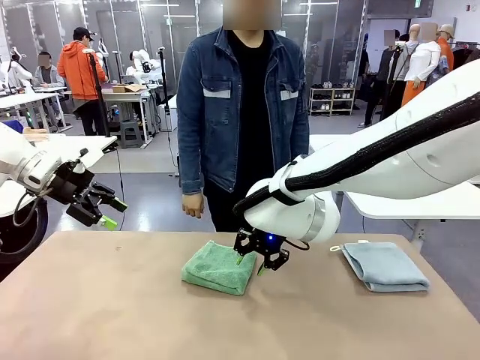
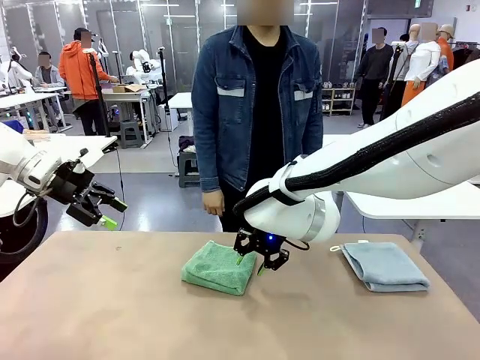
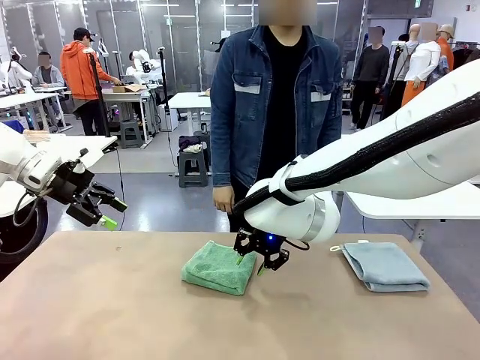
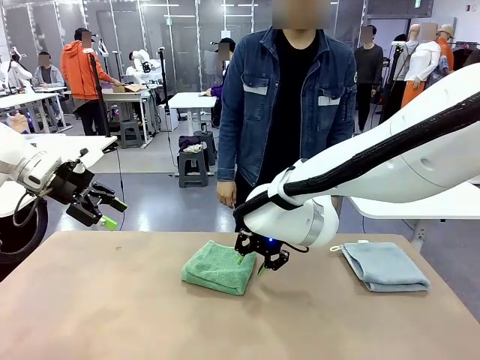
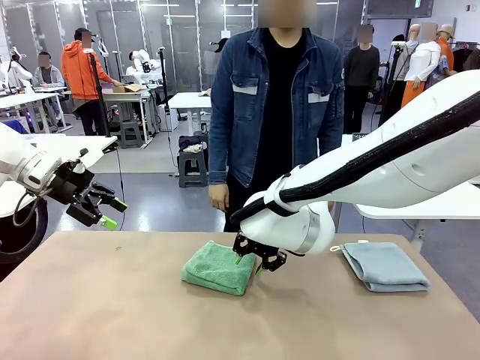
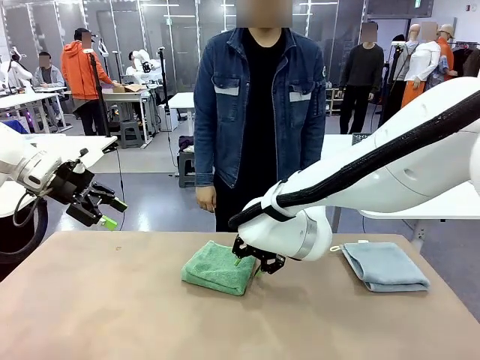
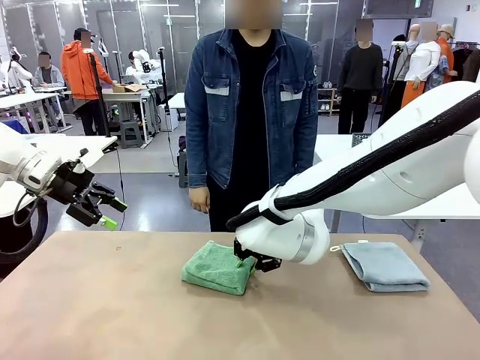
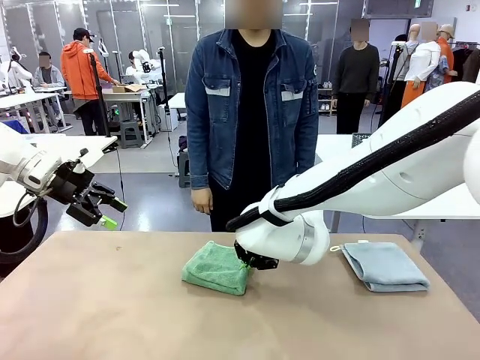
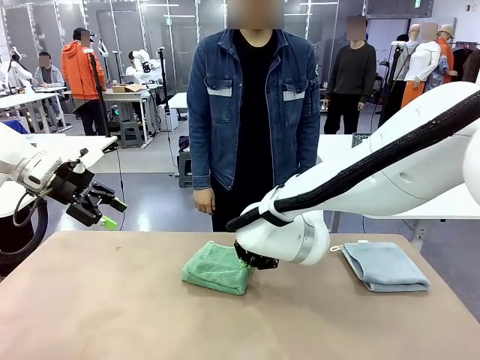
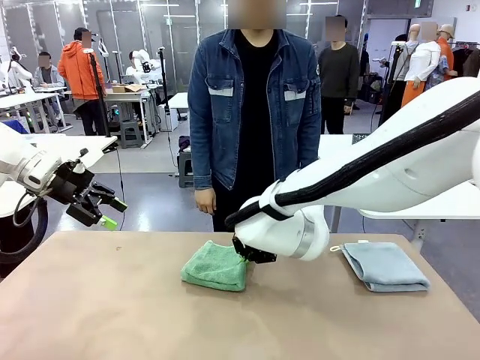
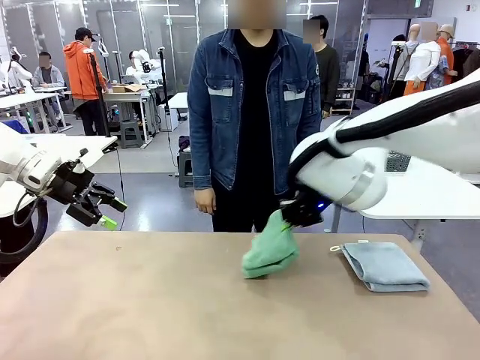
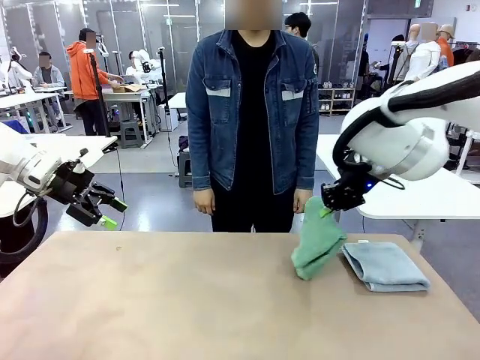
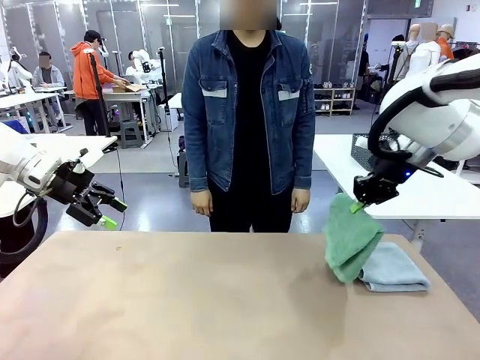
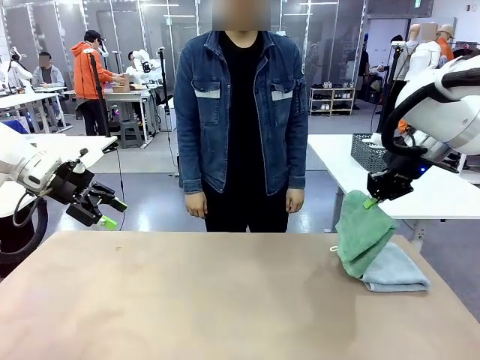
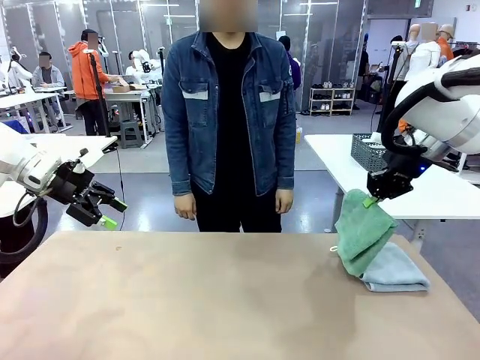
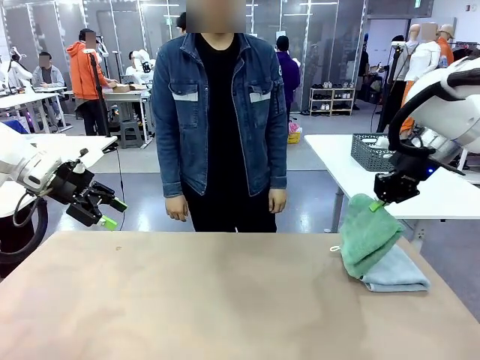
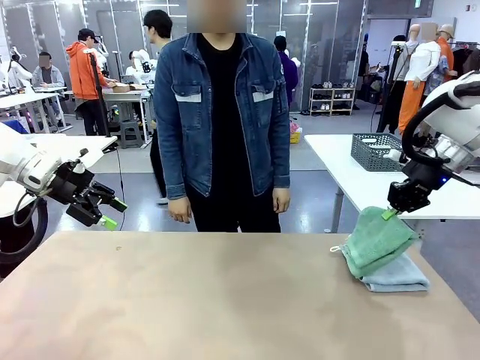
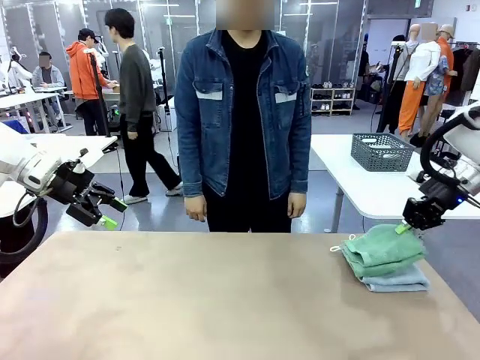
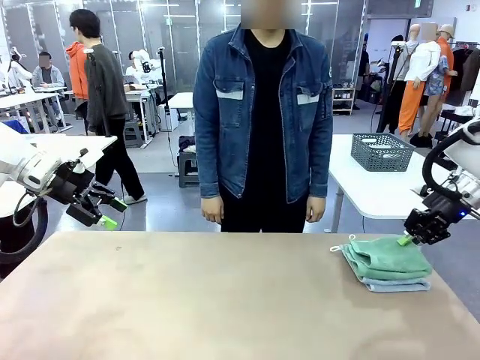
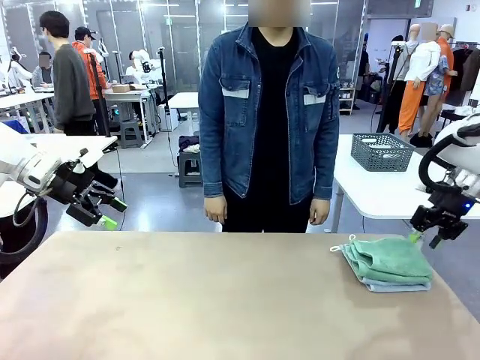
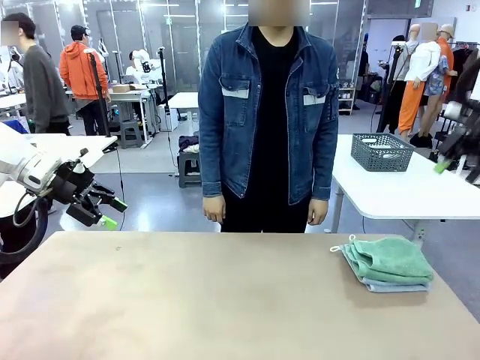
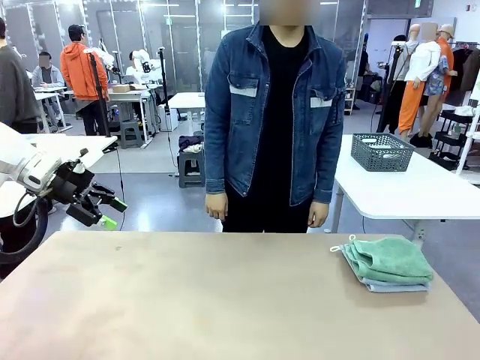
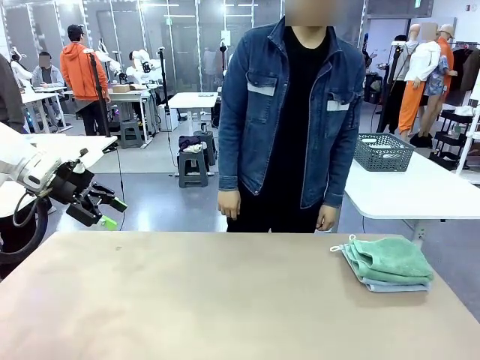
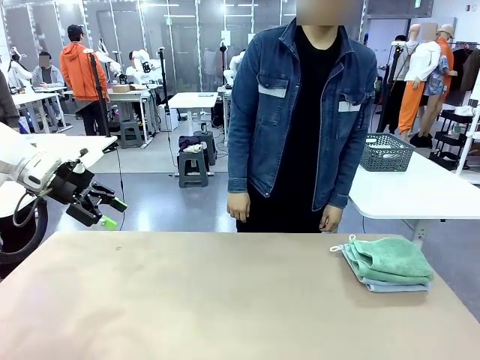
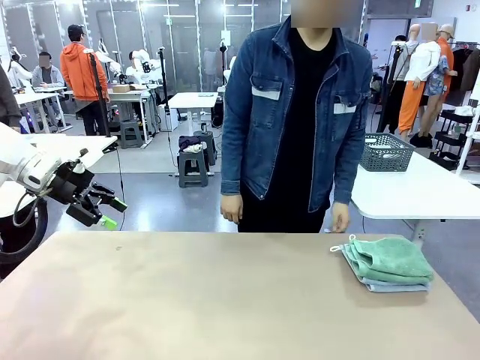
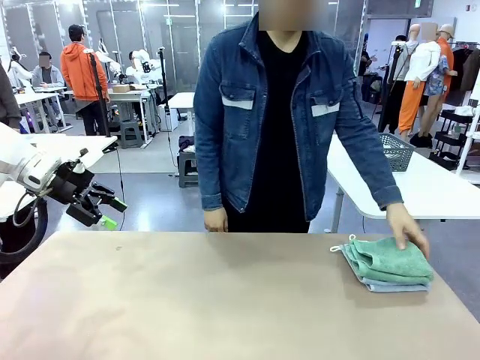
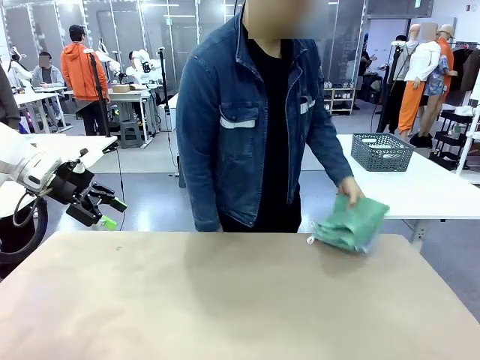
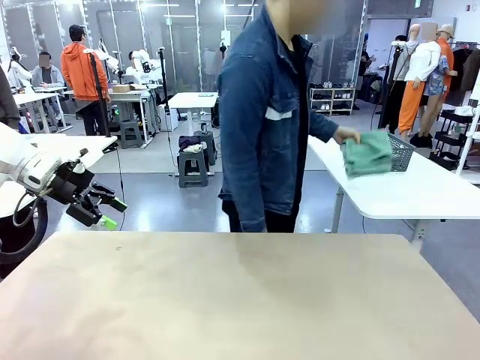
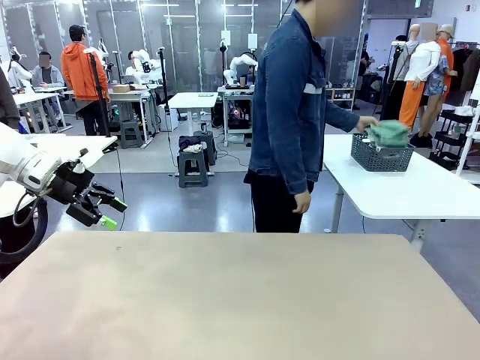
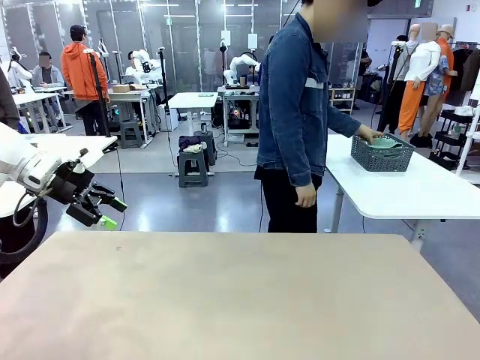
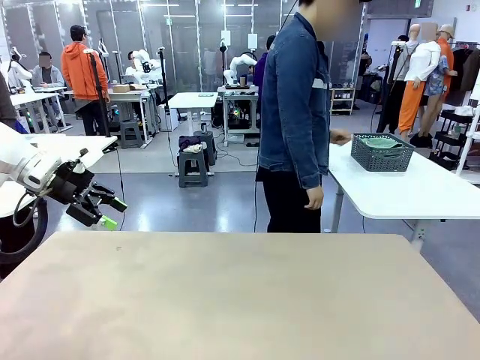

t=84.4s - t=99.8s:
Task: Fold the towels and place them in the basket.
Robot: Stack the folded Towel with hook on the right side of the table.
Person: Pick up the stack of towels from the robot table and place it into the basket.

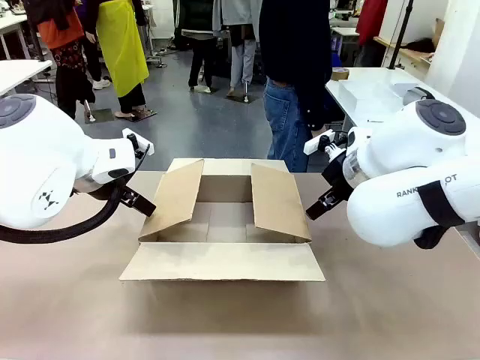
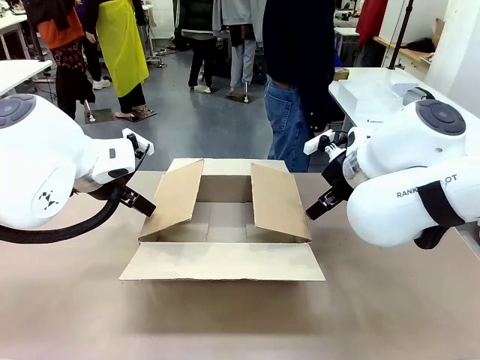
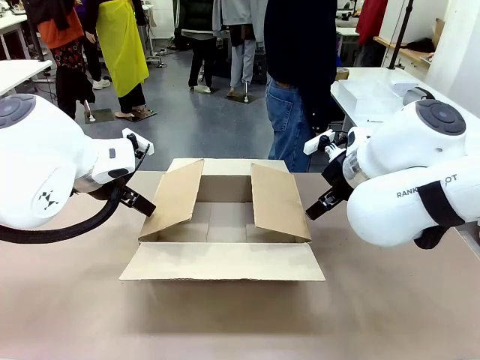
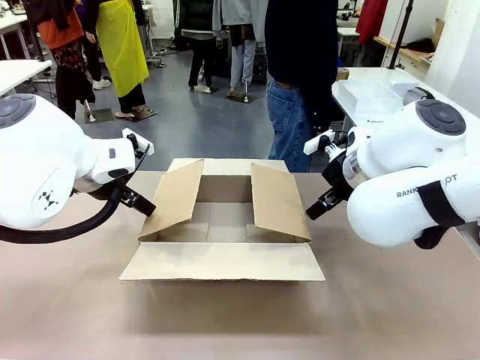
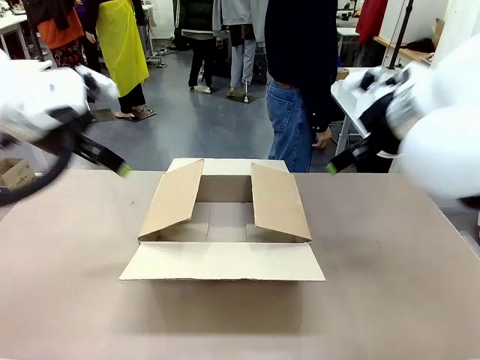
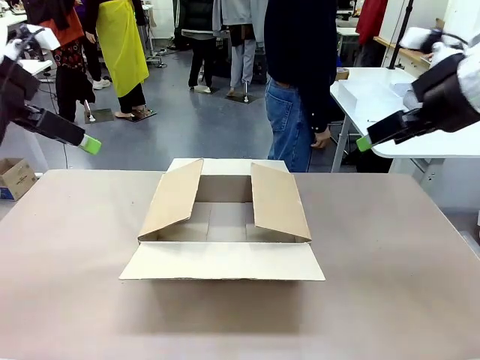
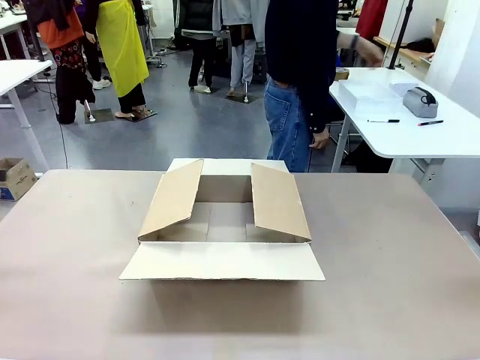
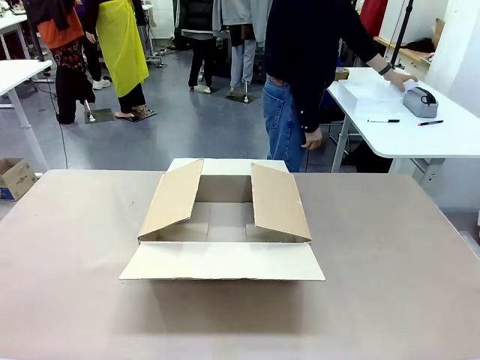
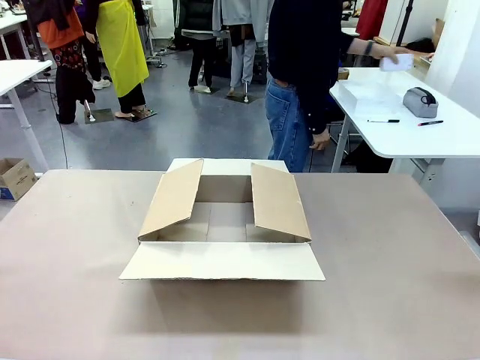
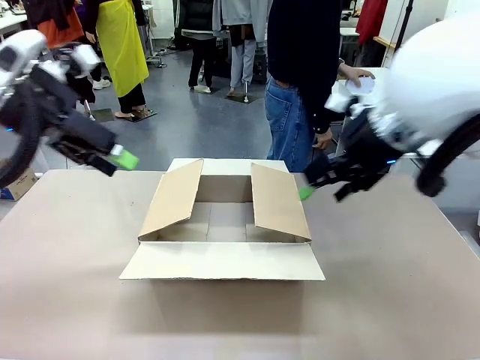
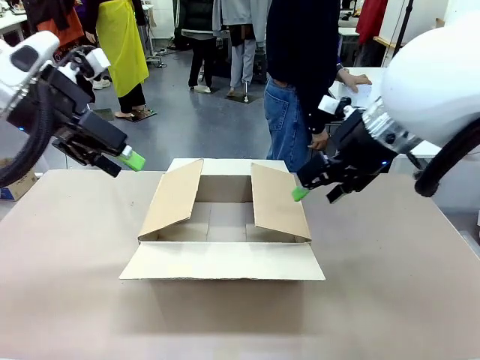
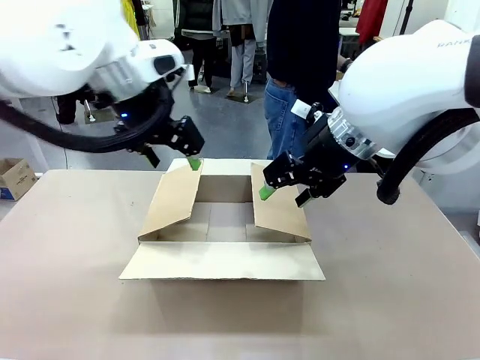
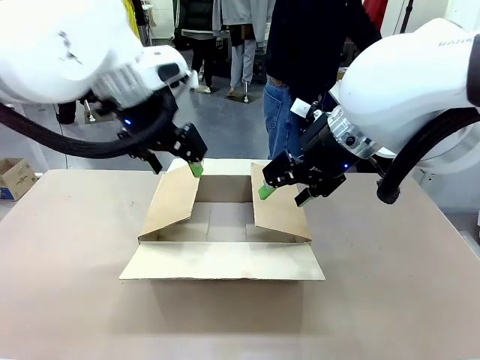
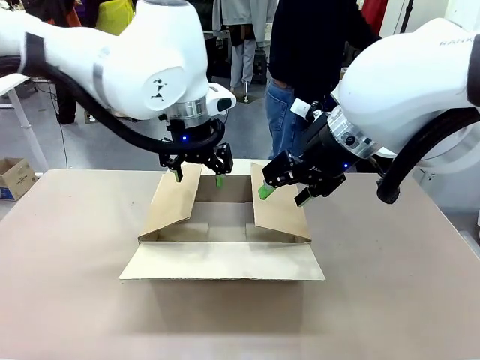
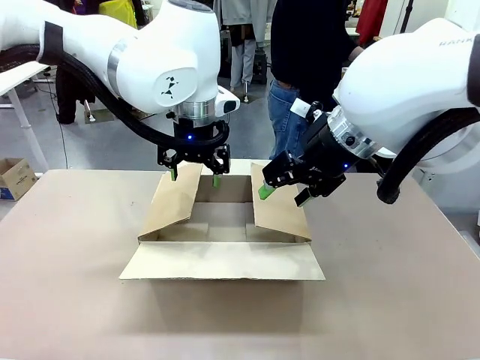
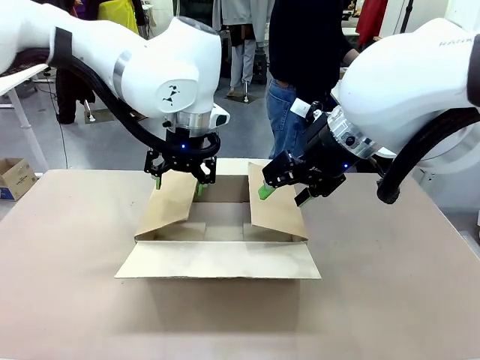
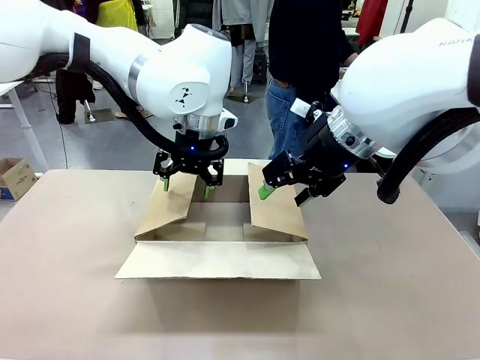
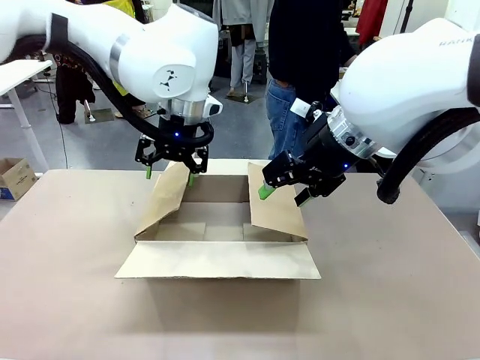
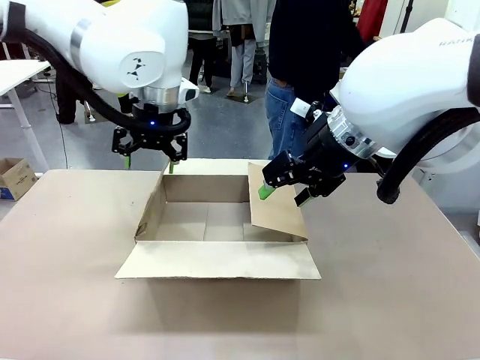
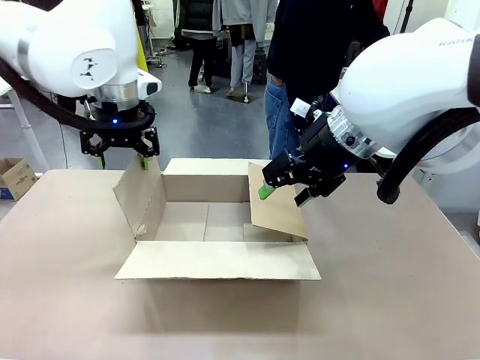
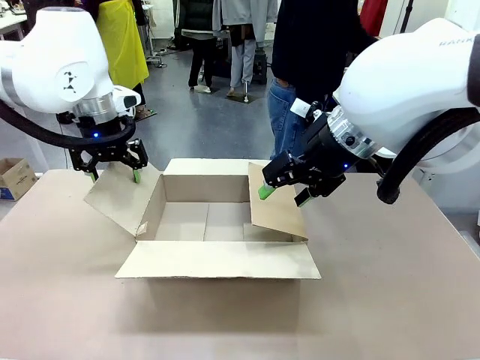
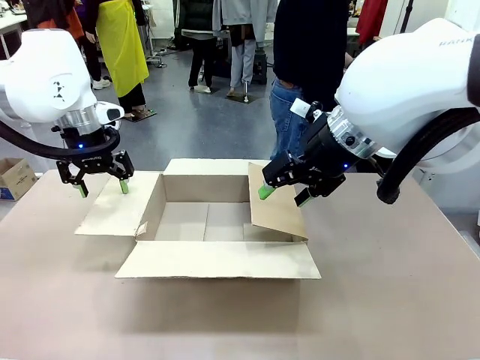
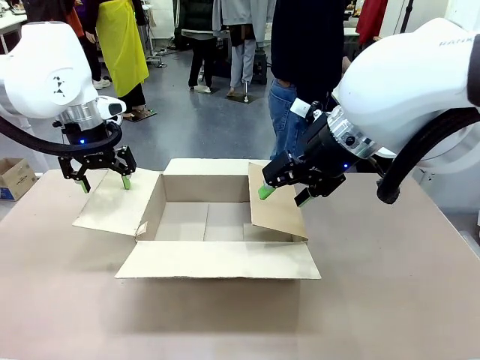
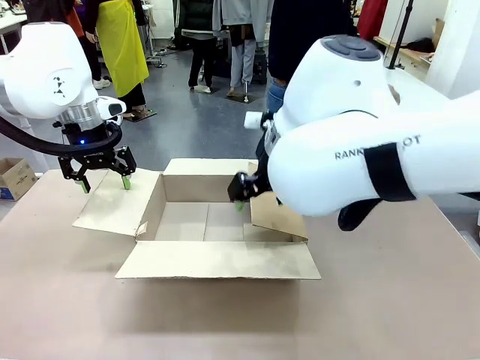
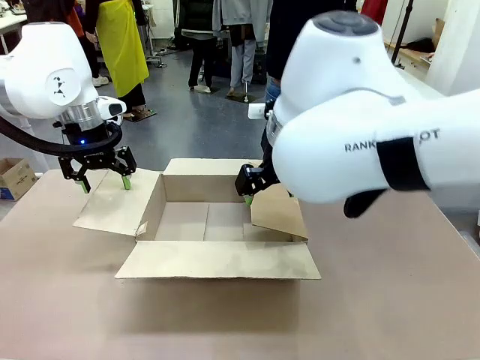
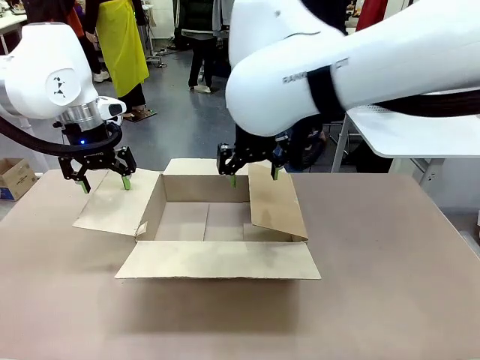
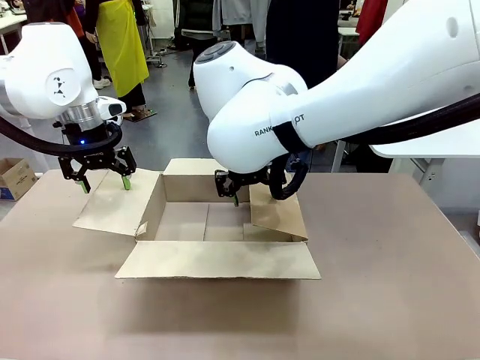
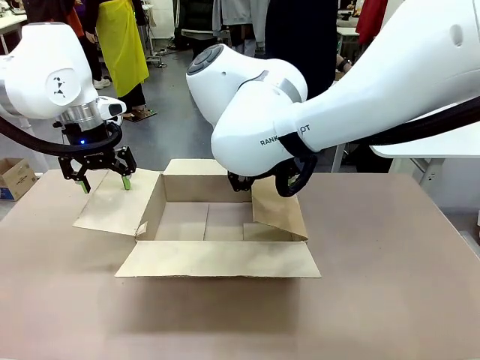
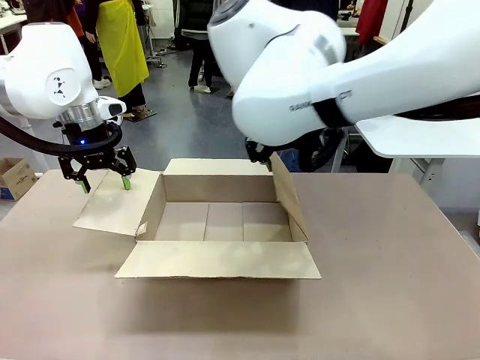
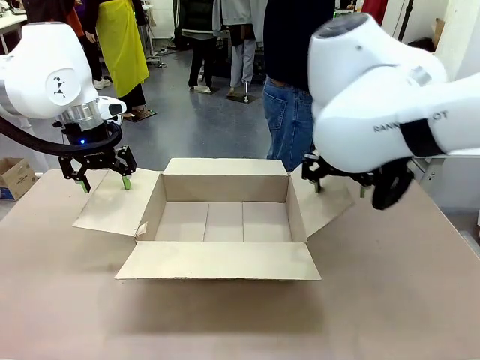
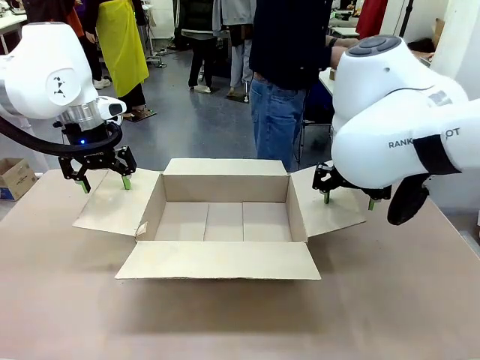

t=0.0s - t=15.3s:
Task: Pack the gift set into the box.
Robot: Place both hands on the side flaps of the Package Box and spread them outward.
Person: The human places all items except the paper tape into the organizing basket.
